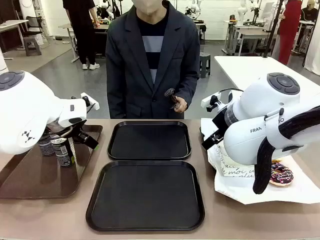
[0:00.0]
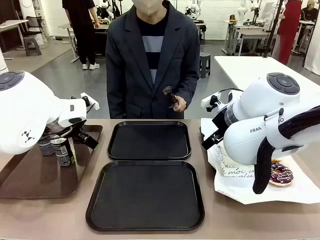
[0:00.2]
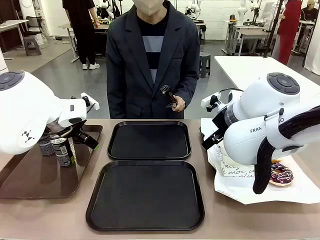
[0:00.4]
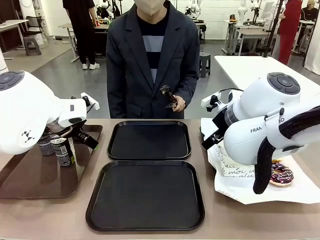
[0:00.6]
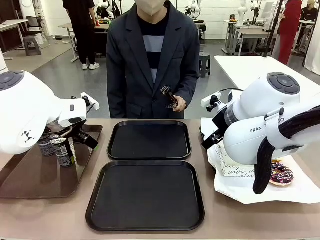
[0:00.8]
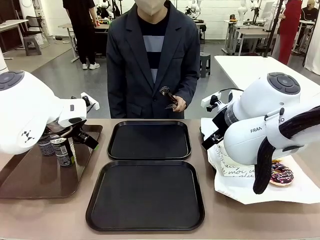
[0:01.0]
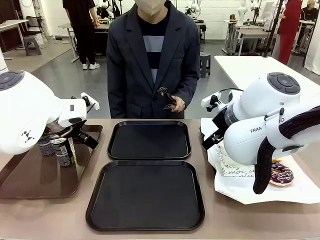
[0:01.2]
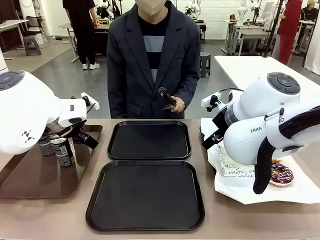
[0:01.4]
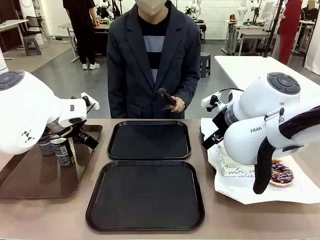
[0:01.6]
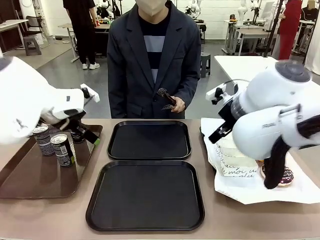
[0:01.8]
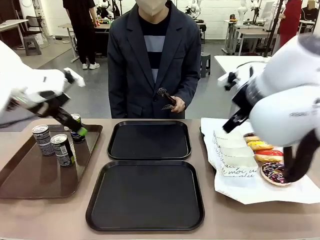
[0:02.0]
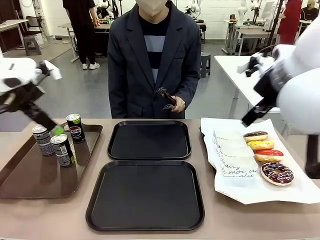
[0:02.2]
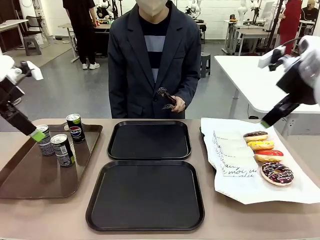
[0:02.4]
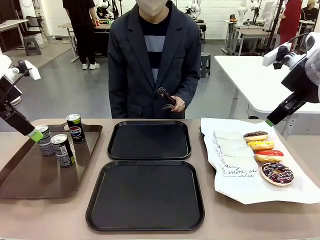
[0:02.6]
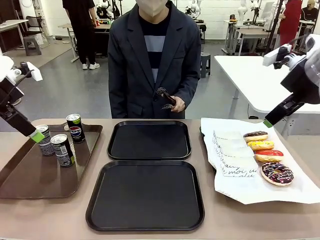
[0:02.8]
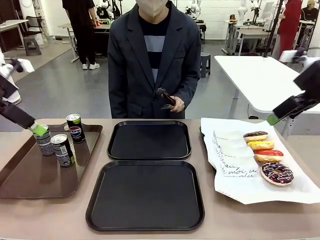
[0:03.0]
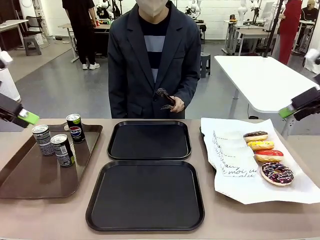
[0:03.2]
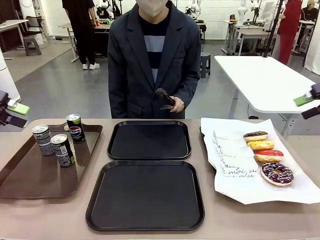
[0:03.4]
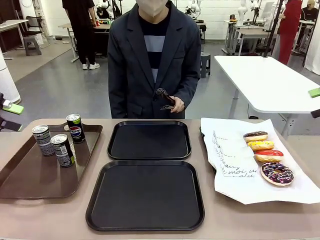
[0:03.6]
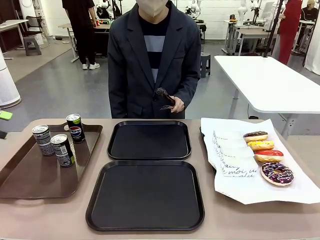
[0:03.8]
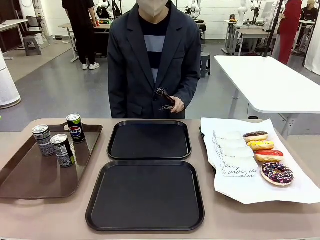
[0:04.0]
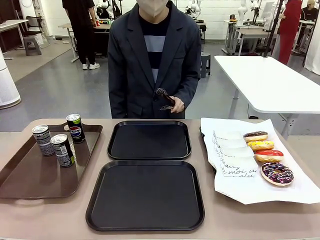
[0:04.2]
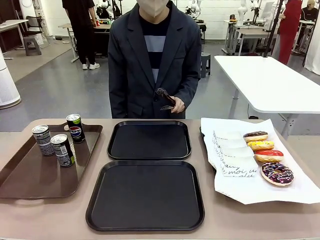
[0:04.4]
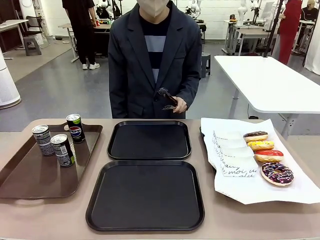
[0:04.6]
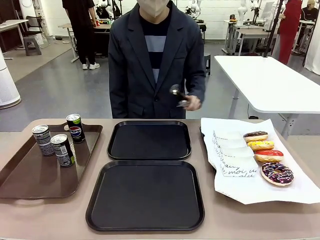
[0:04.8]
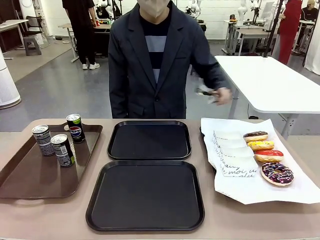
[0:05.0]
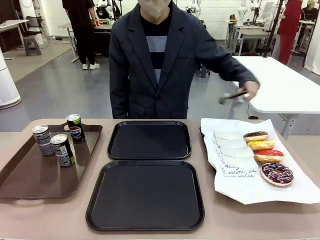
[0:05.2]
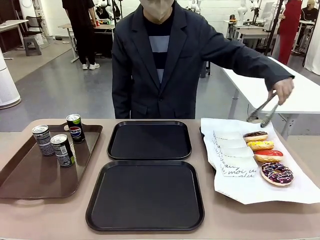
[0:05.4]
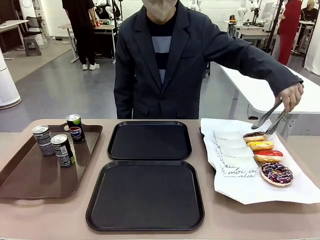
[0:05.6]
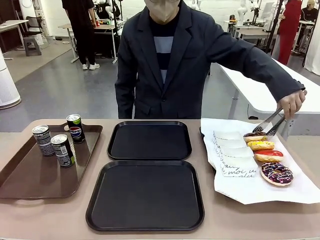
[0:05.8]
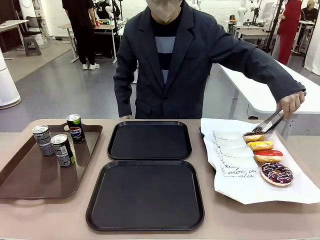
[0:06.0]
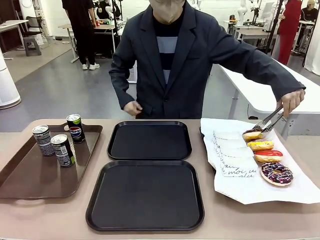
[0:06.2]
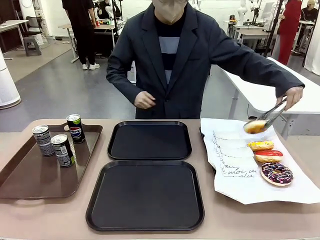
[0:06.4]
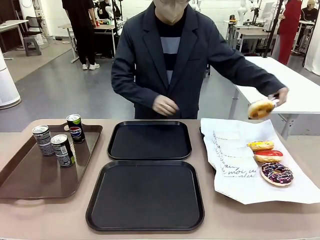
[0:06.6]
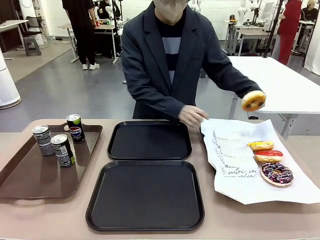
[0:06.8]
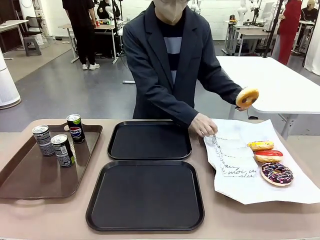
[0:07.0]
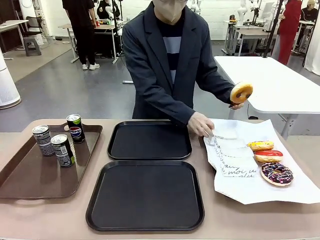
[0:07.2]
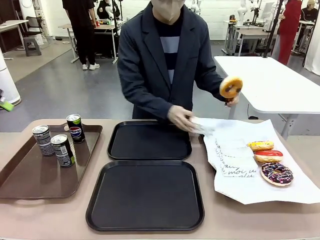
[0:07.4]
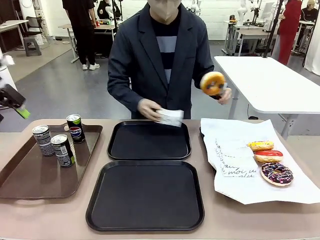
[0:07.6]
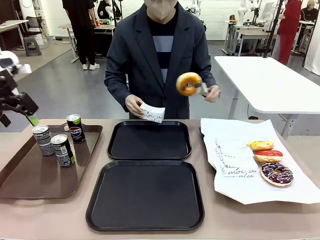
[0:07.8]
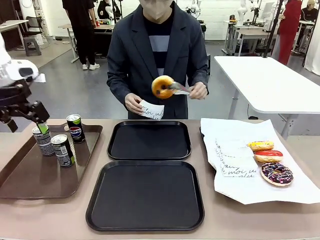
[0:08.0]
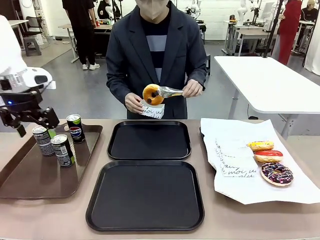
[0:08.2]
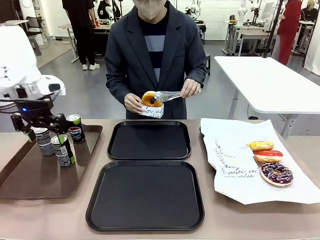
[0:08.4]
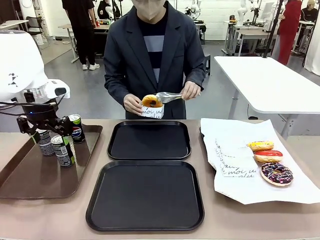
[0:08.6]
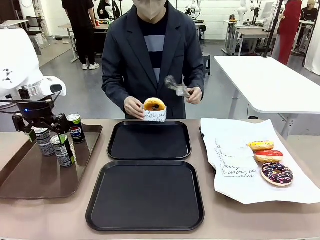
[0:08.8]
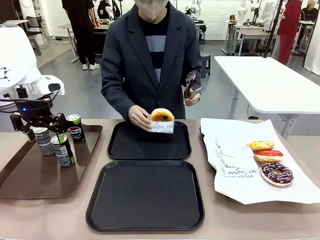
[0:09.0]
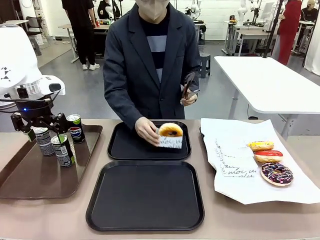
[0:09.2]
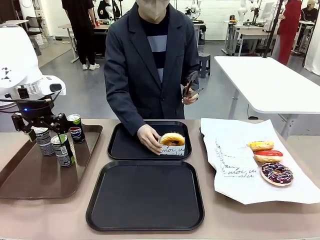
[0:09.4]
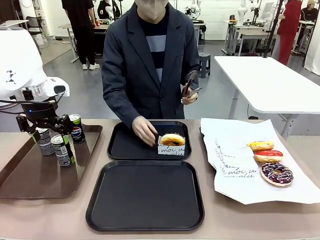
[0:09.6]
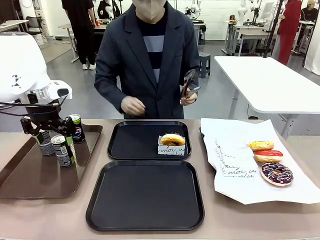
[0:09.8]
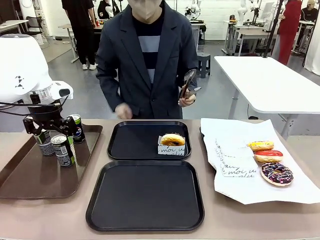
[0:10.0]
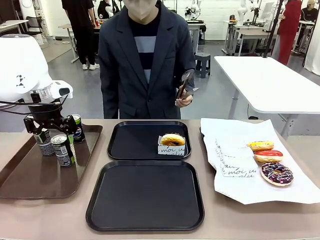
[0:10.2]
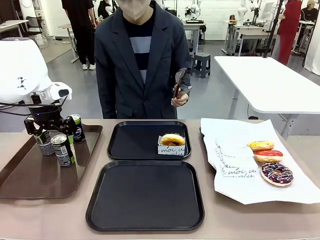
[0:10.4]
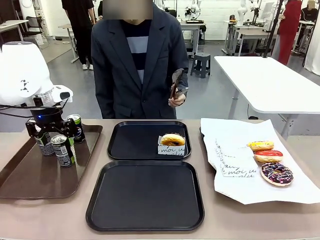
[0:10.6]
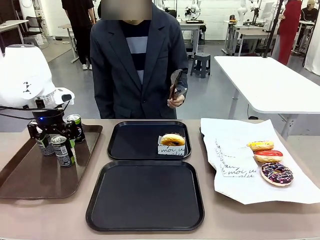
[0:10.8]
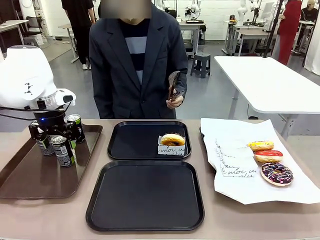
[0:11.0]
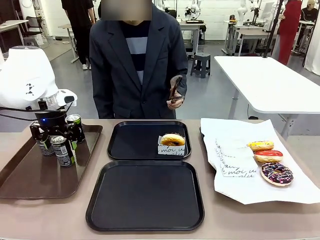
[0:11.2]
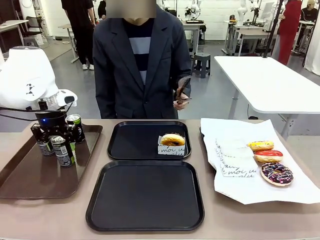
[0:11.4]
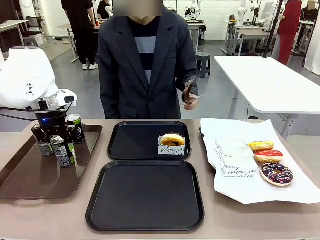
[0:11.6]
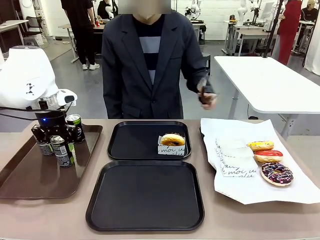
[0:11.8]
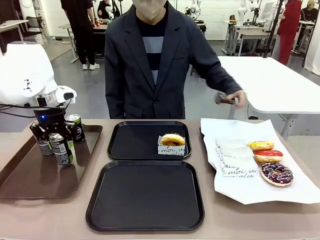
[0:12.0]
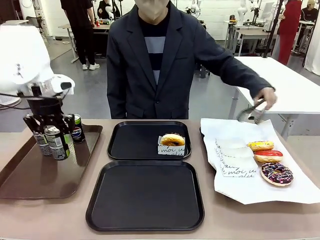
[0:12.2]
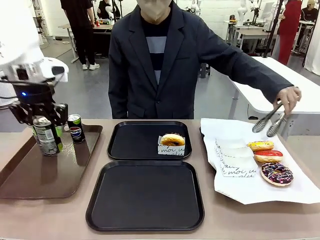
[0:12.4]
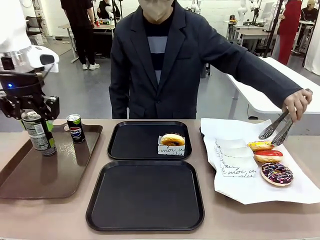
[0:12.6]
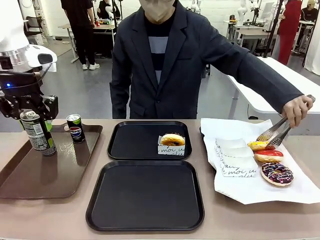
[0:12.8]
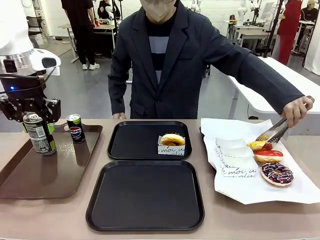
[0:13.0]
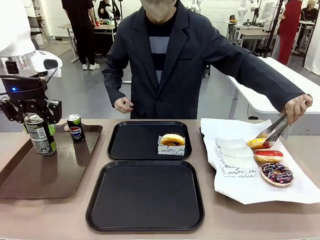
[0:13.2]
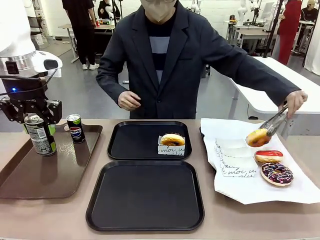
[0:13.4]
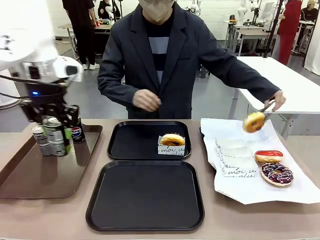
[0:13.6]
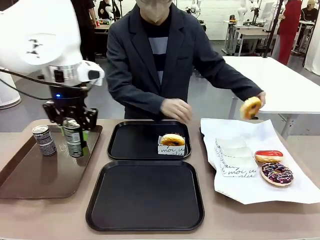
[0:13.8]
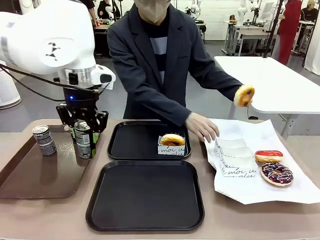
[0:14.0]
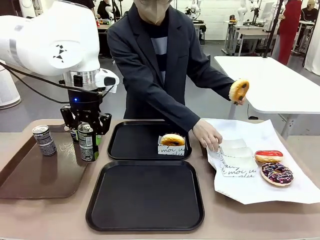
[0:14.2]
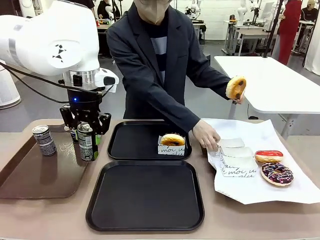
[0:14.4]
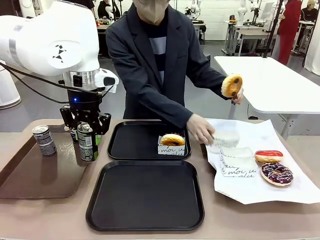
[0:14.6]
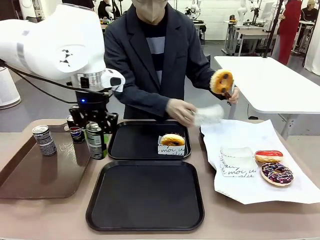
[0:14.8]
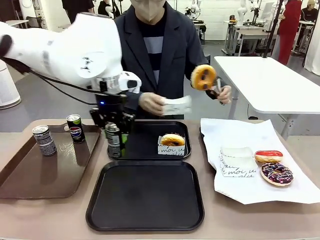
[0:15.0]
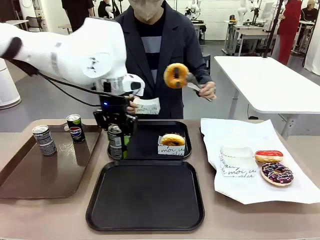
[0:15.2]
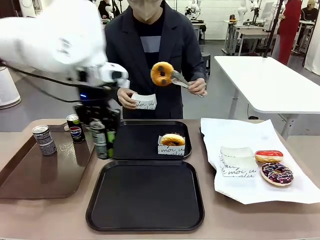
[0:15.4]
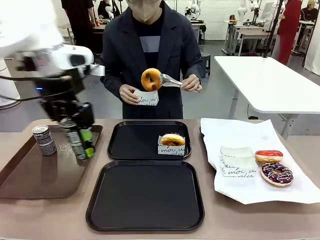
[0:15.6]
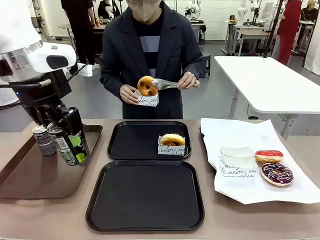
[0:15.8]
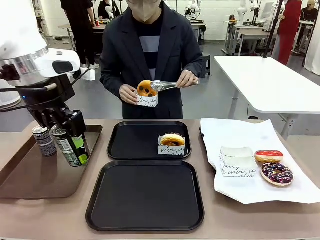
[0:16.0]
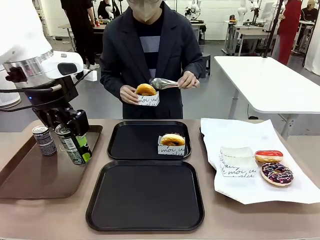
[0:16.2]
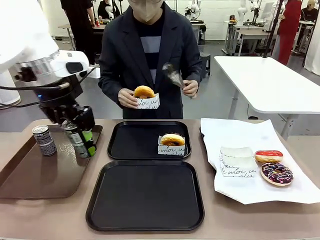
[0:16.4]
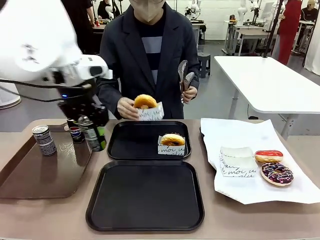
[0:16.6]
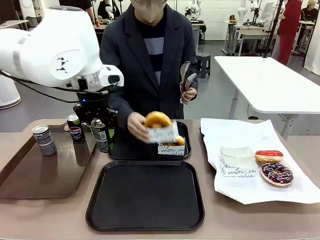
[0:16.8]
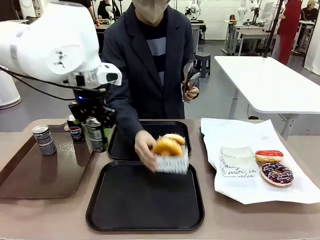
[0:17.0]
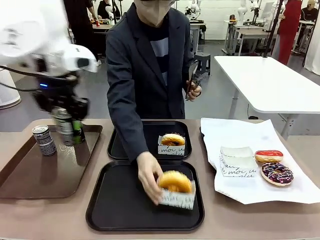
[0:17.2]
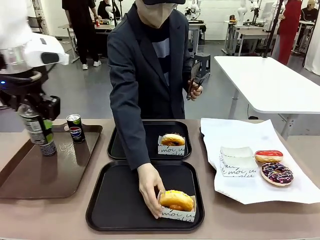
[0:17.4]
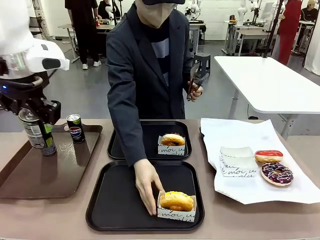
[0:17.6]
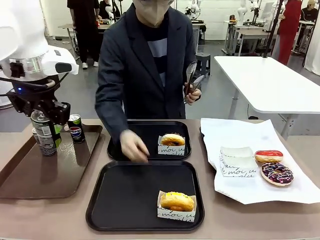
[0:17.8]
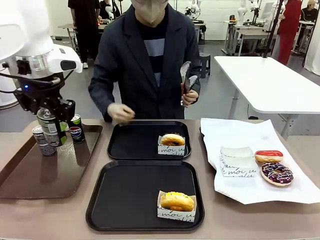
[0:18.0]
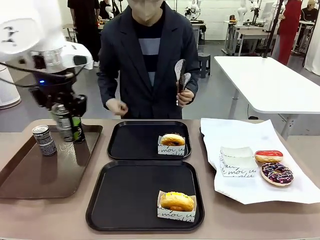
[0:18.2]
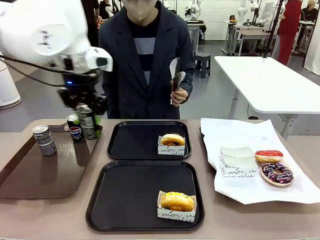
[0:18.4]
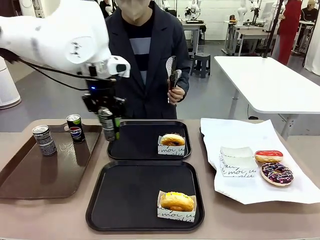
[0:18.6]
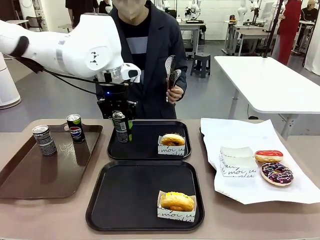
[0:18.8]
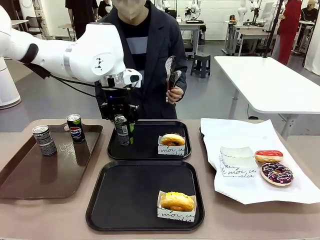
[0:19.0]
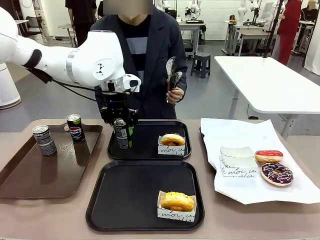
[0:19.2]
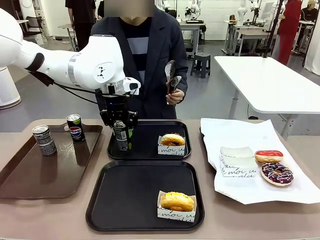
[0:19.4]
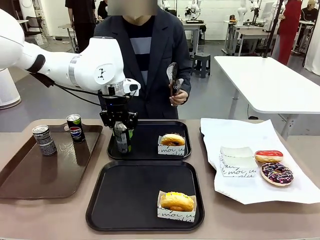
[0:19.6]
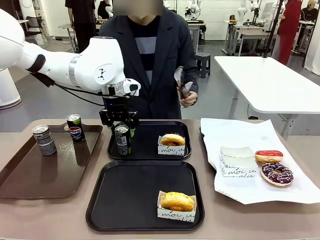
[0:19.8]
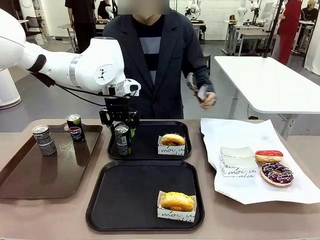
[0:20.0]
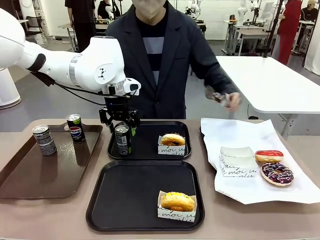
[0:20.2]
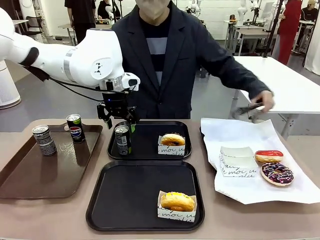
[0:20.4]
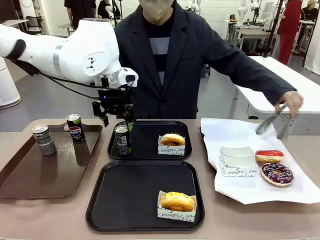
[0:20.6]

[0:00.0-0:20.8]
Task: Set up donuts and drinks on trays.
Robot: Pick up one Pepsi coke and place it on the Flat Tray.
Person: Pick up one donut with tongs, place it in the donut tray, and then place the donut tray on the flat tray.
